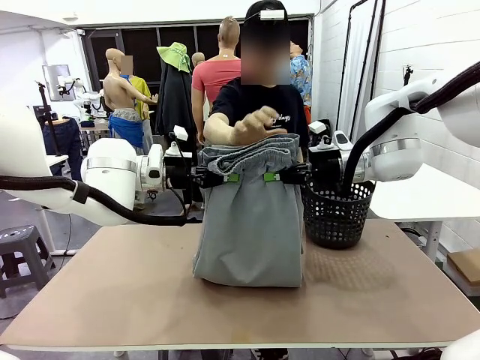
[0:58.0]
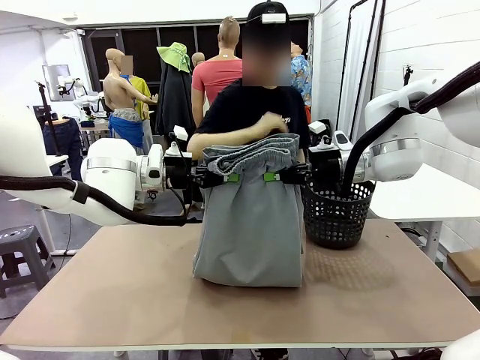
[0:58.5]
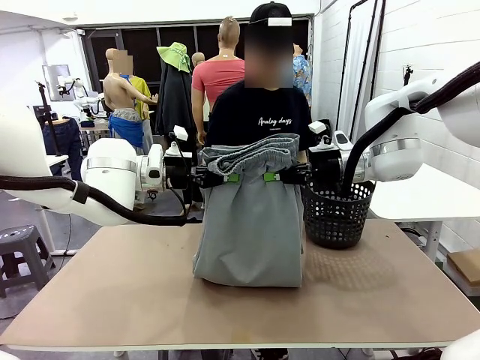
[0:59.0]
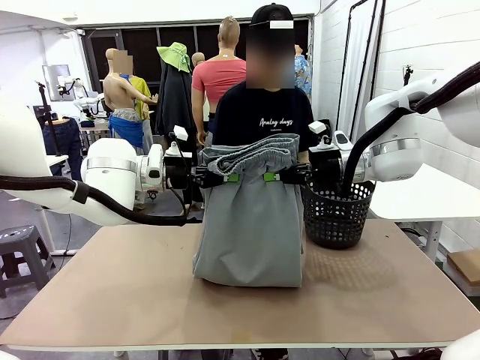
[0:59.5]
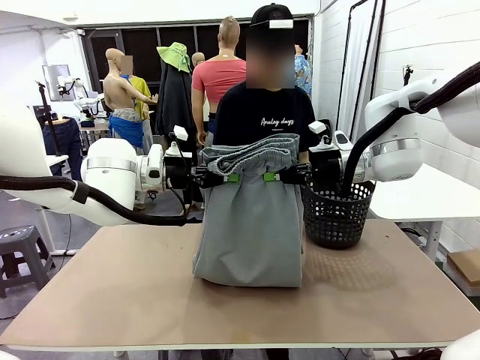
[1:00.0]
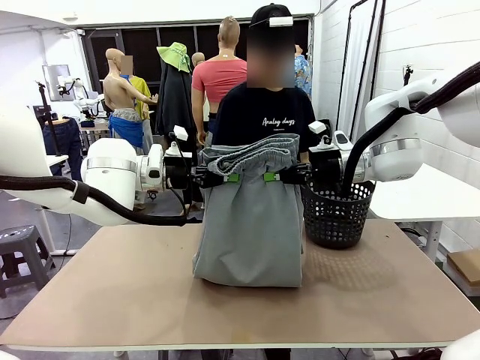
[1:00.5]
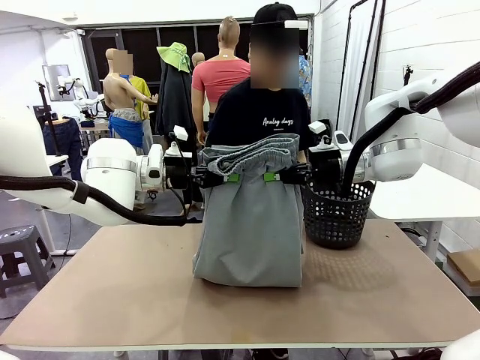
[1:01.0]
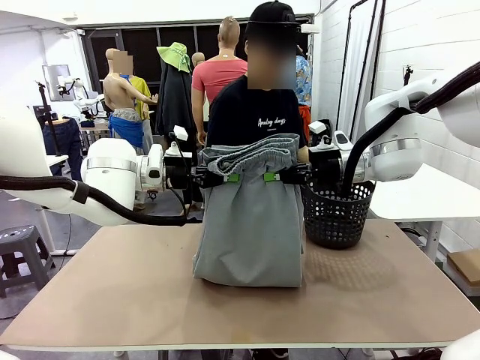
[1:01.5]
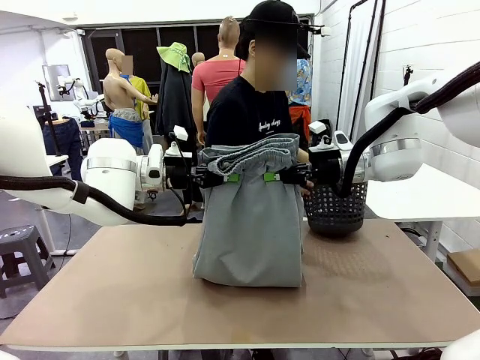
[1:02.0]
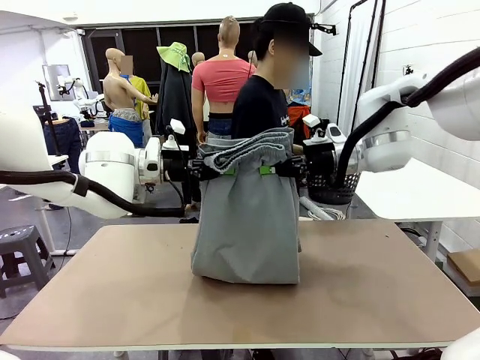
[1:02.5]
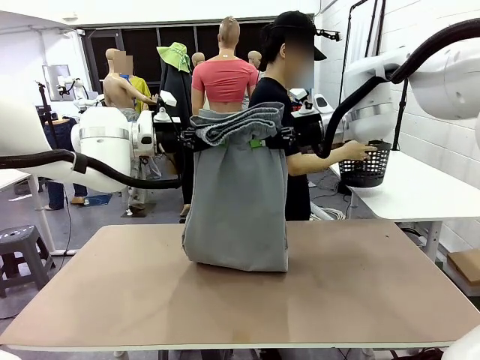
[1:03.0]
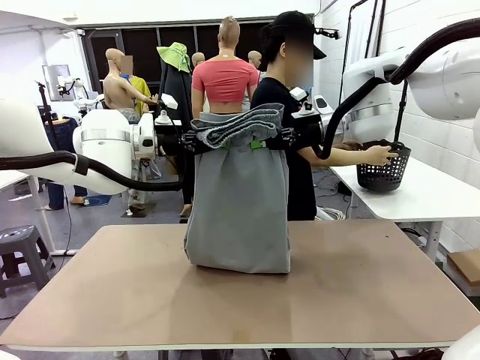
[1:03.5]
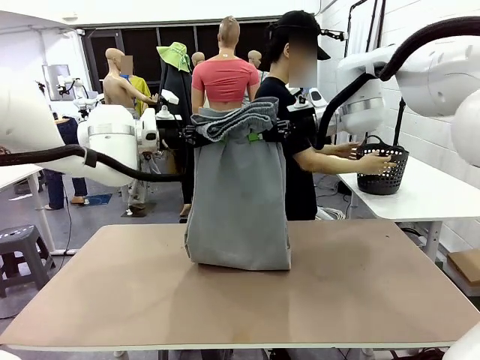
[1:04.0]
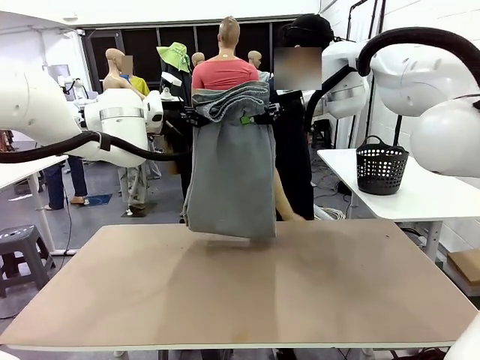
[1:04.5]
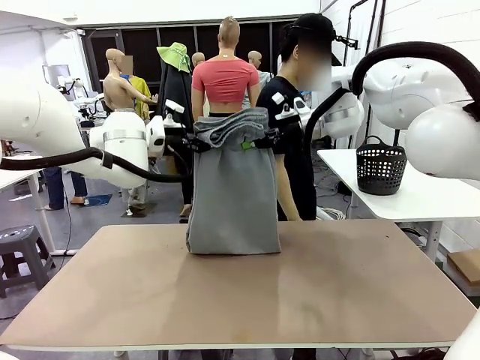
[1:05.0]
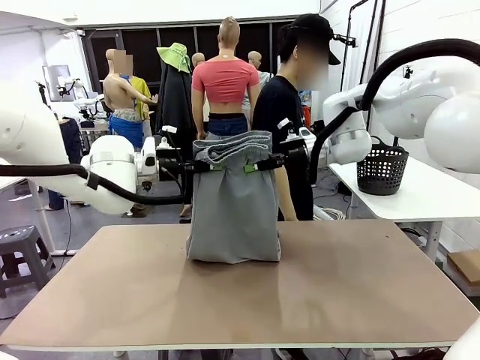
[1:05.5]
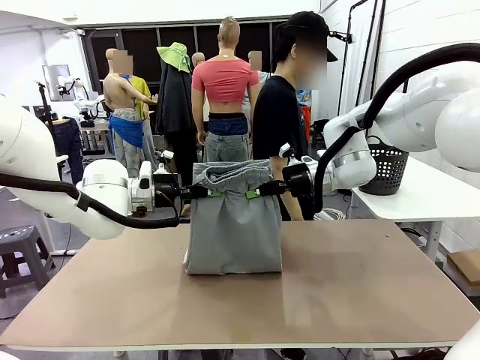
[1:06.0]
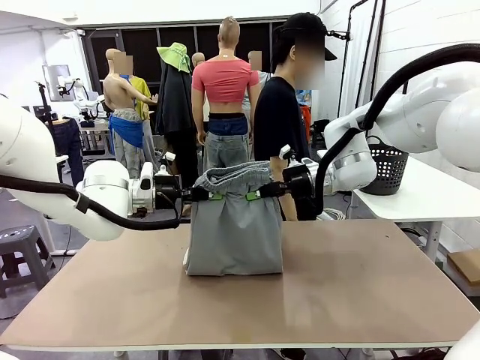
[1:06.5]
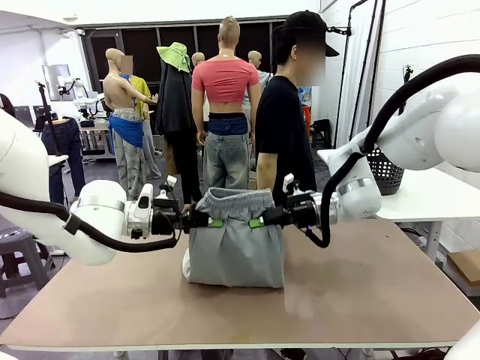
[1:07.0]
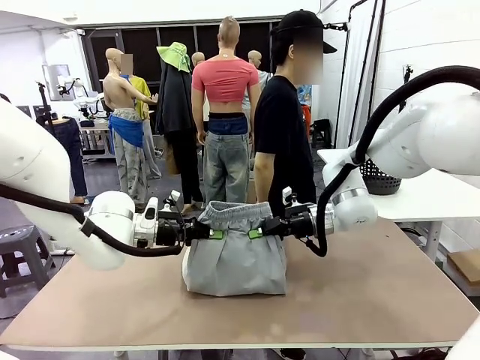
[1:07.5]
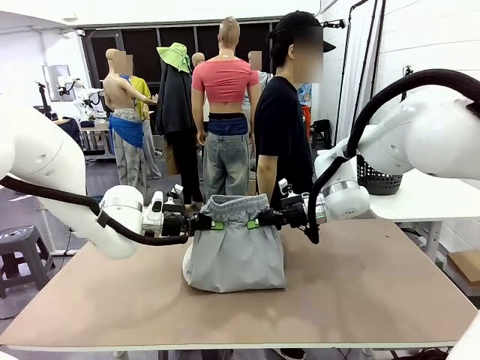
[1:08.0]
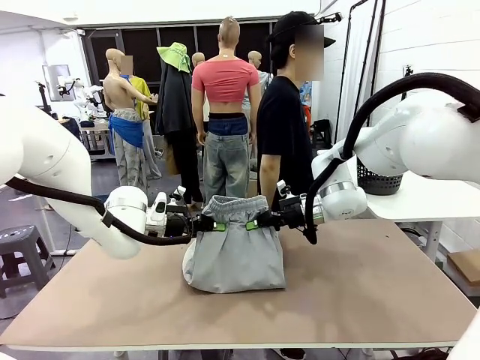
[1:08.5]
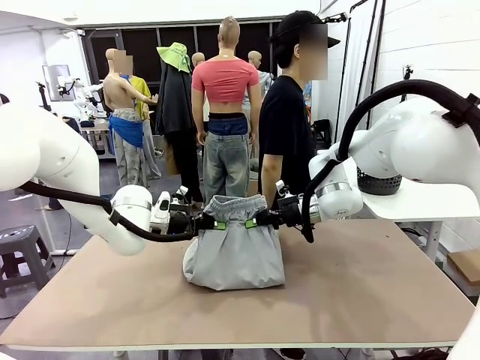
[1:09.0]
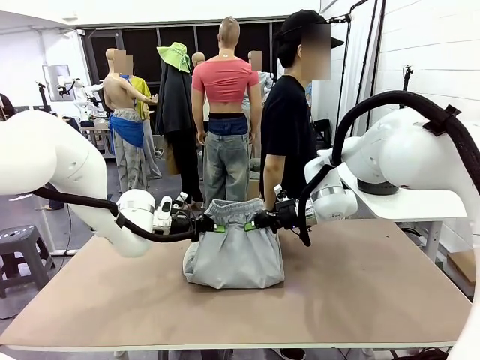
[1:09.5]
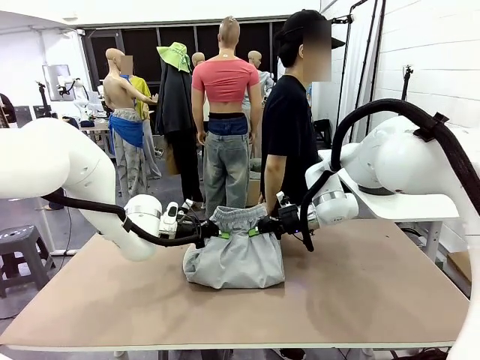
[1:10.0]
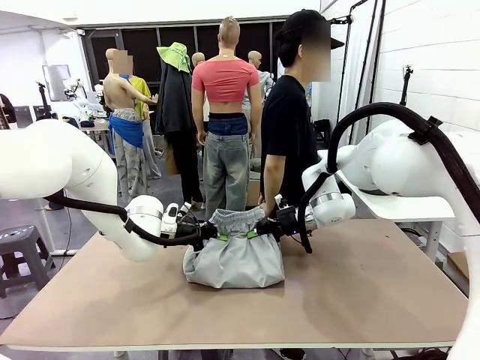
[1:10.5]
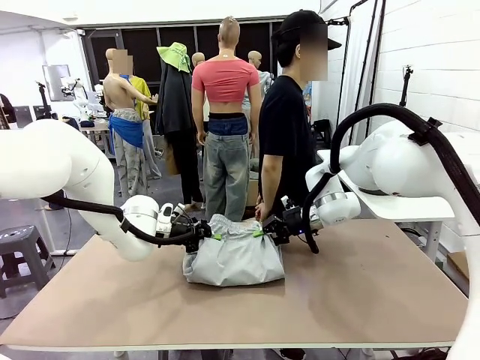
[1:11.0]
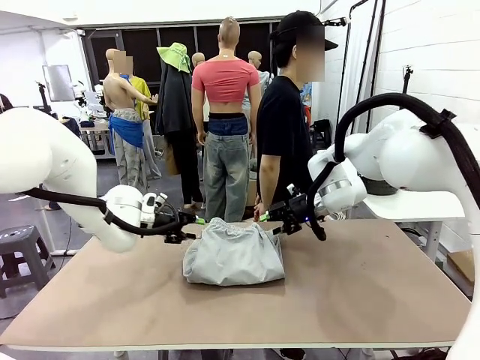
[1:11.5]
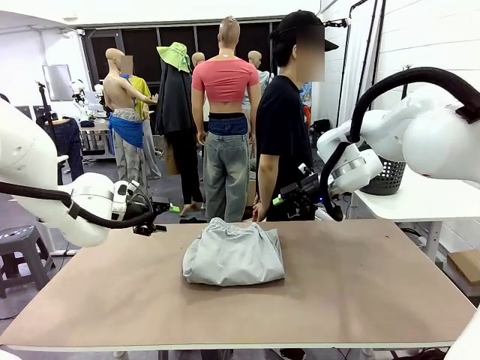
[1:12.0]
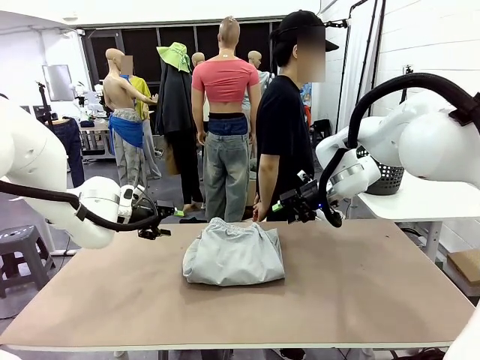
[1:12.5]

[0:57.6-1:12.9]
Task: Fold the training pants.
Robot: Fold the Training pants in half.
Person: Move the laundry basket to the right of the human table.
